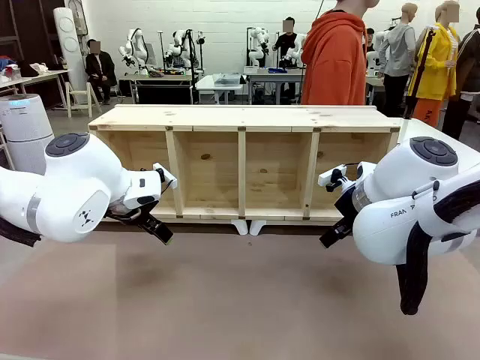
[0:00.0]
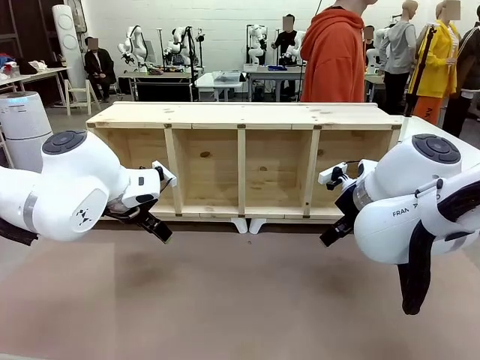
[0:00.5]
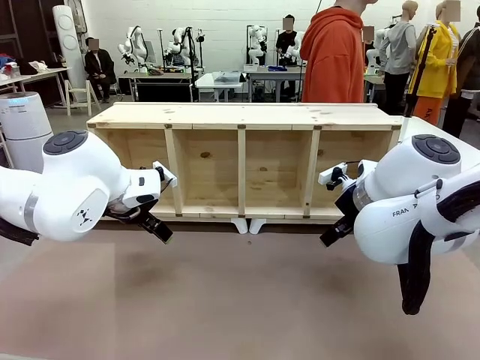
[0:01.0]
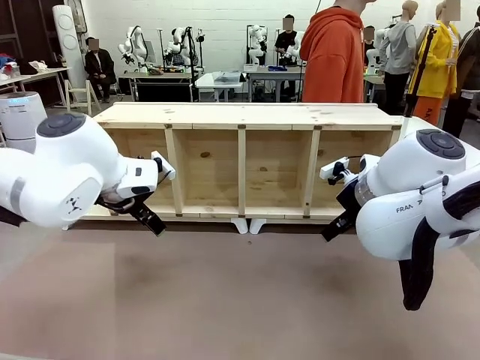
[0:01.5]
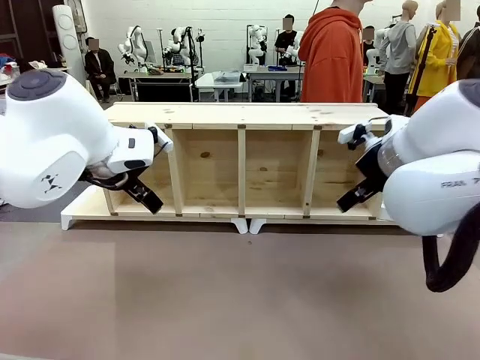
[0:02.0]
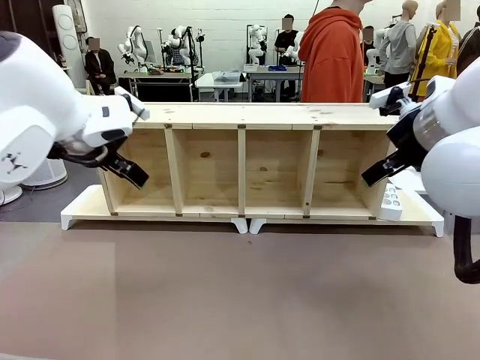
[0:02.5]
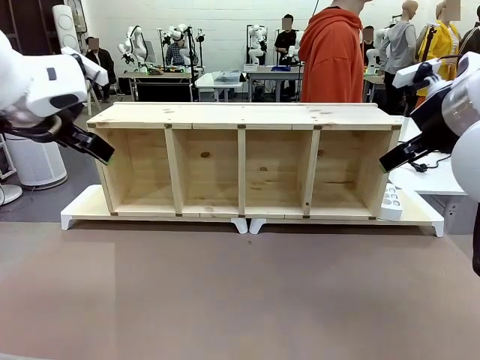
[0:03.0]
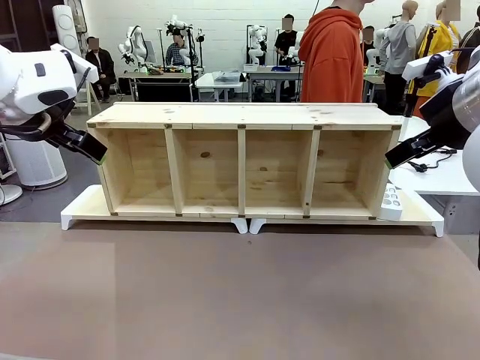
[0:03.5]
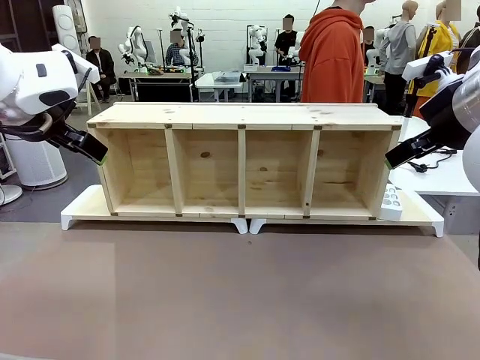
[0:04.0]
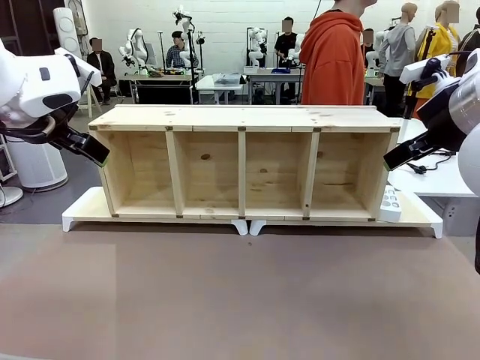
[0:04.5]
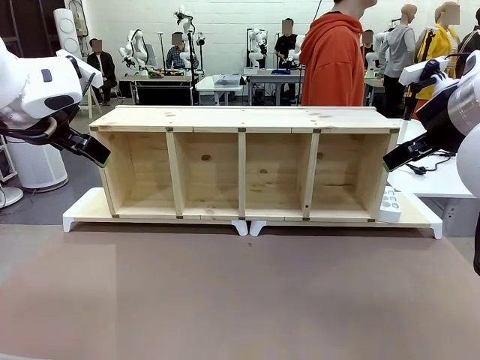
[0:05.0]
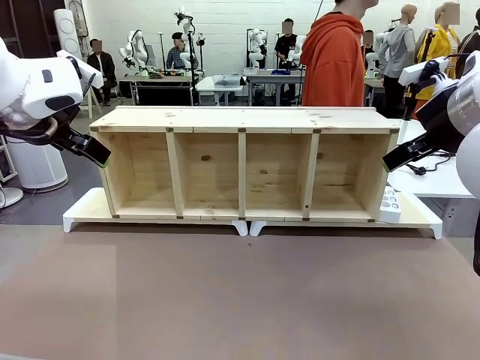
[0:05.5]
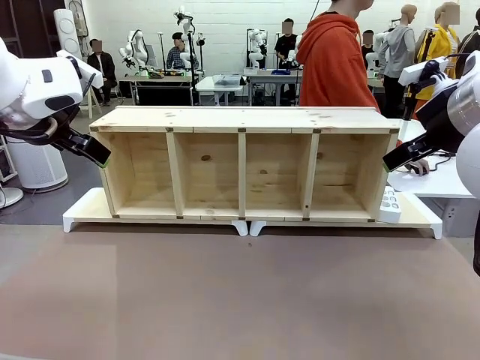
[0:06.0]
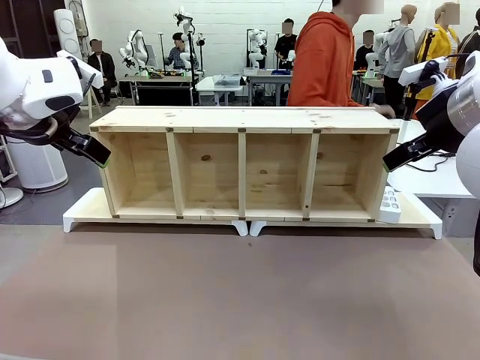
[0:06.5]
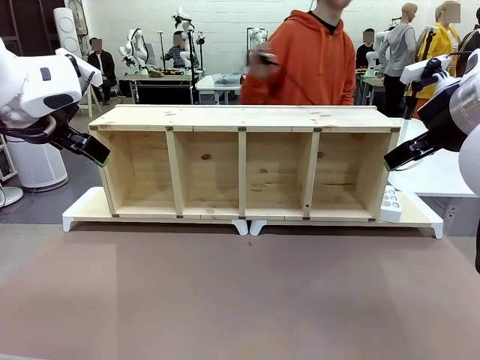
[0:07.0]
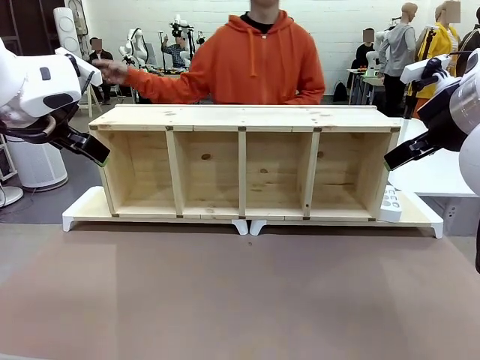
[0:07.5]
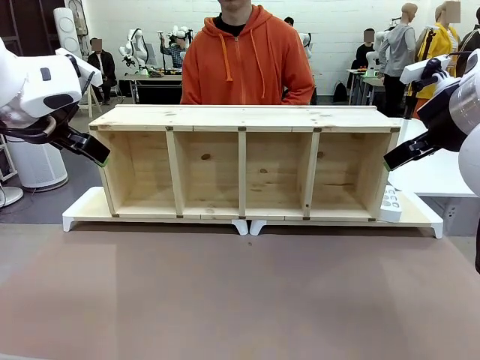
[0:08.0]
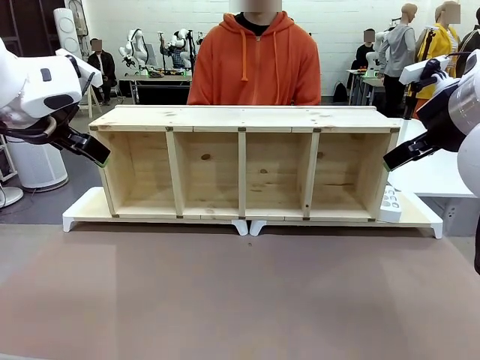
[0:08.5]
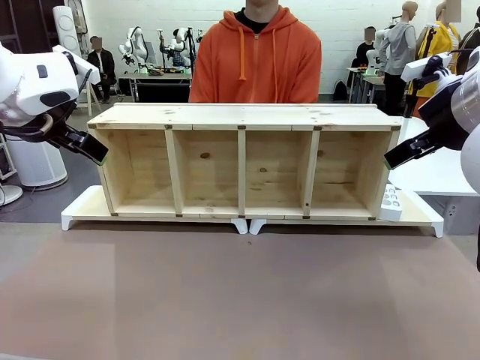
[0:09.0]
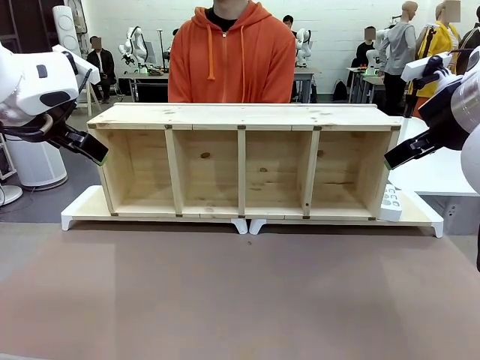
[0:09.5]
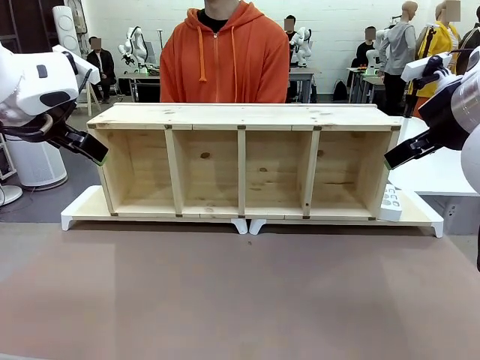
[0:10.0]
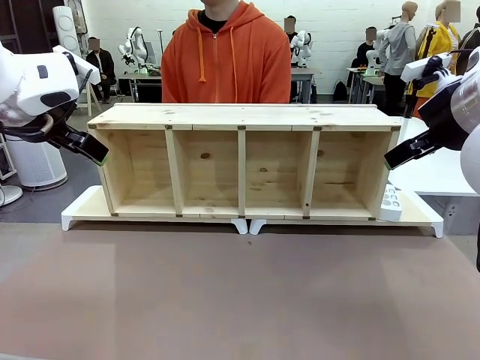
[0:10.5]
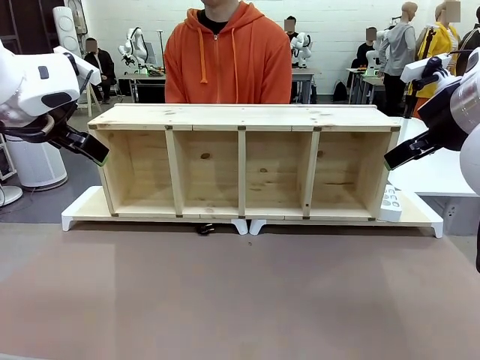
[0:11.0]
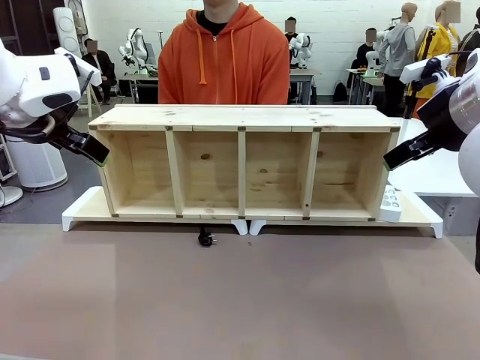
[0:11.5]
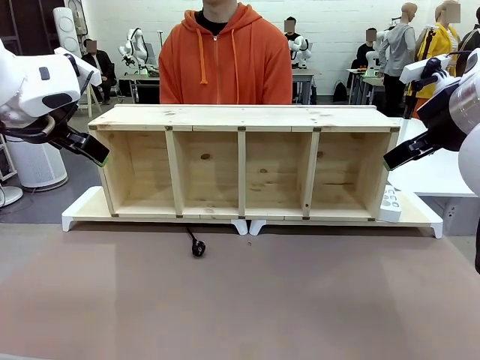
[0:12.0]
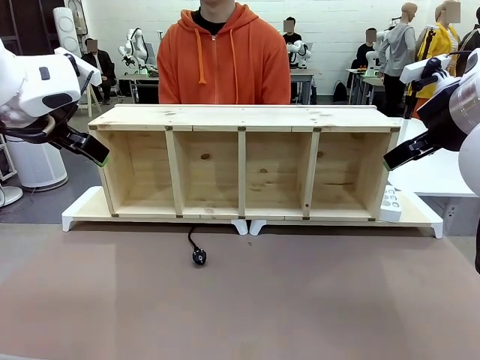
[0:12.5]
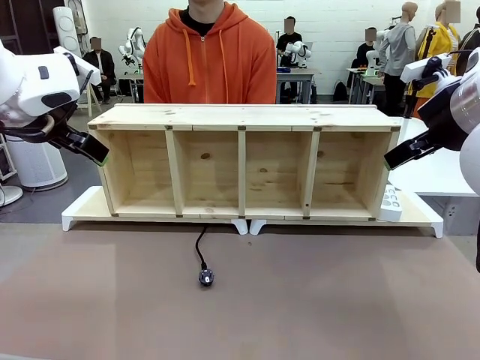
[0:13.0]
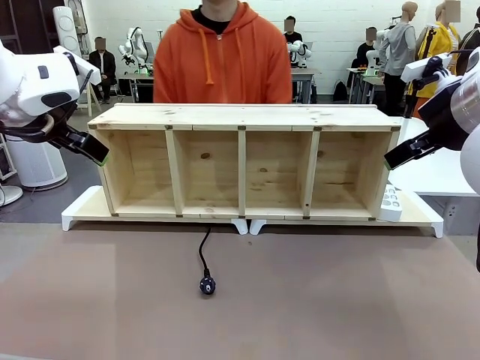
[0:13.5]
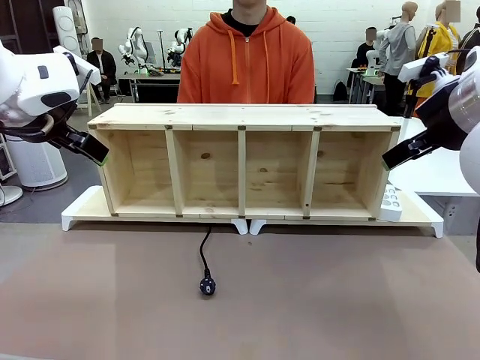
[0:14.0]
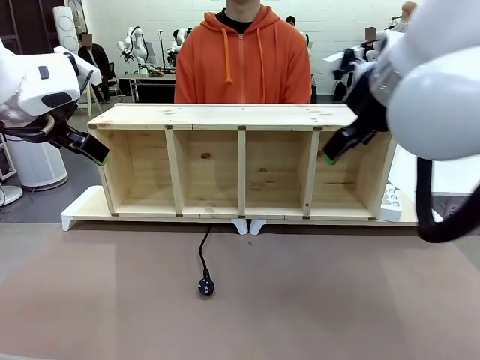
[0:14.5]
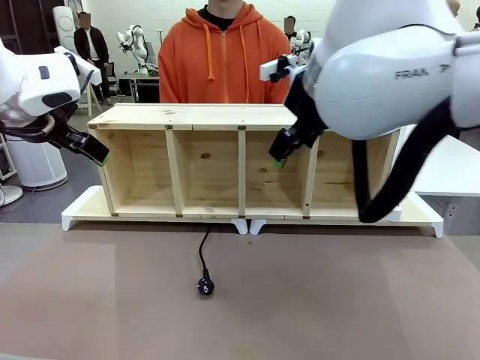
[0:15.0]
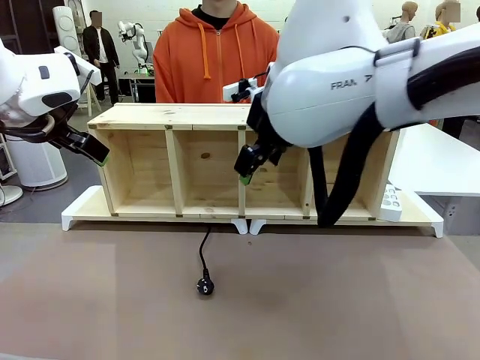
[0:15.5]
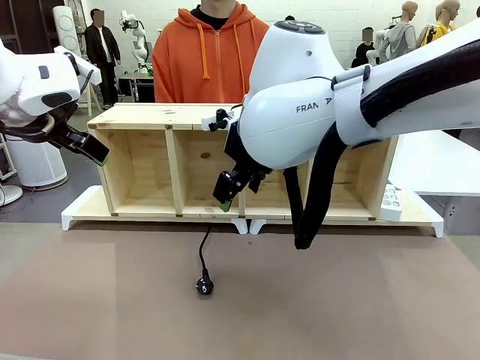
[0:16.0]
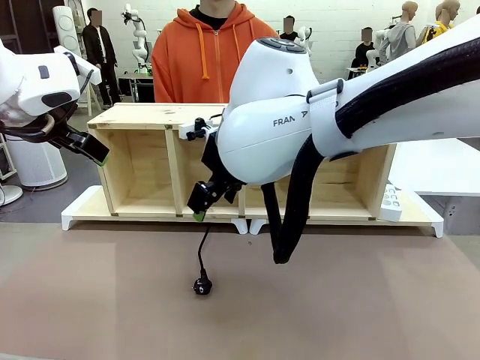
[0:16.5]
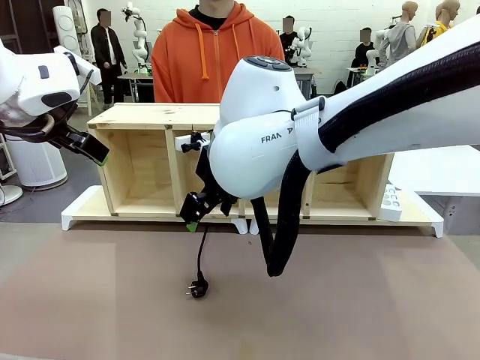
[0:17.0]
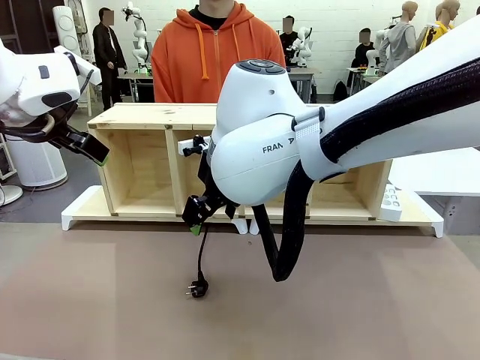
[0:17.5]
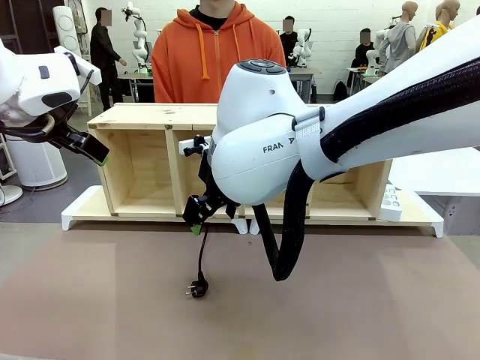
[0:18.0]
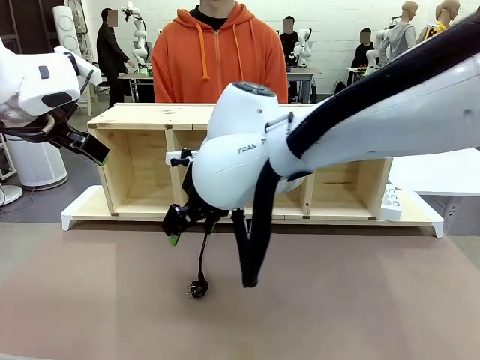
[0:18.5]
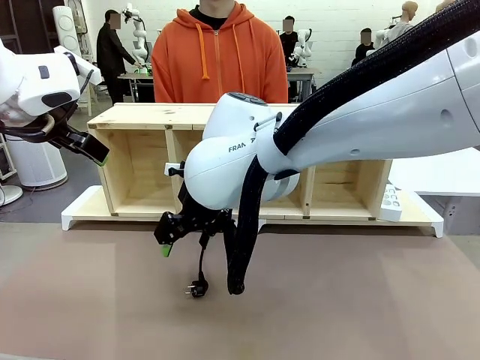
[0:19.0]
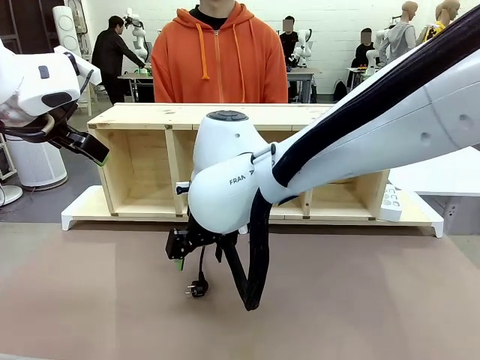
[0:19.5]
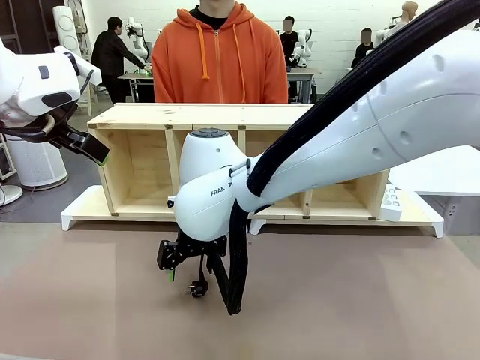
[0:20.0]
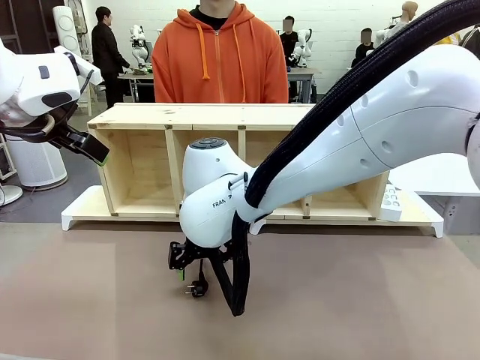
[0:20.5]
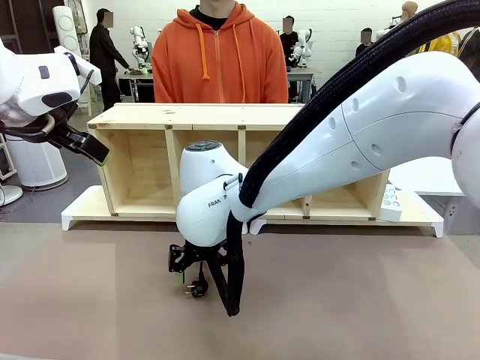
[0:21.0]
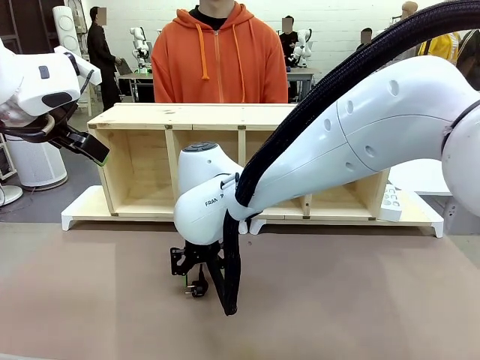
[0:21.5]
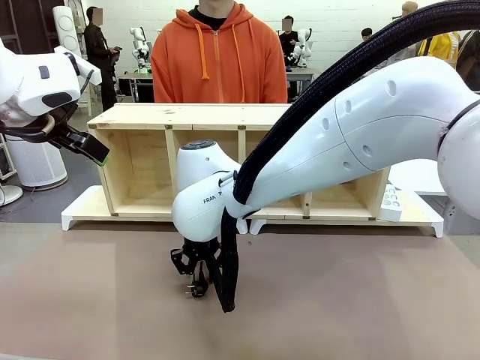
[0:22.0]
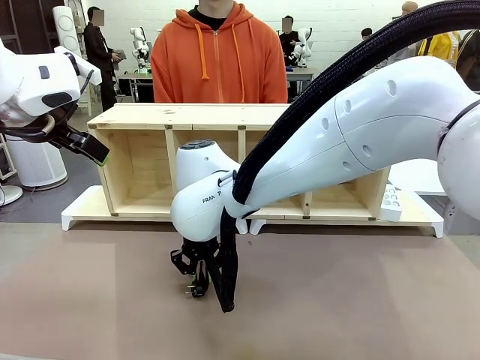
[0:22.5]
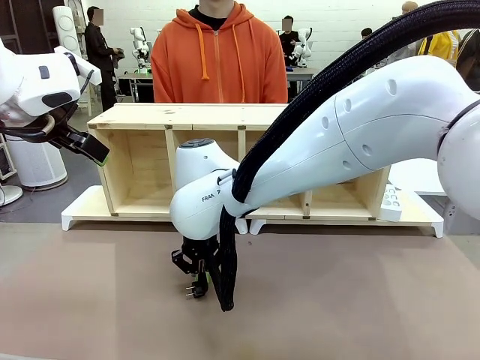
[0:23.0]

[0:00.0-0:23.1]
Task: Perform cable management.
Robot: When the cord part of the Power Cable appears at the lower middle area of the table and stops, grasp the cord part of the Power Cable.
Person: Pass the Power Cable under the Serving Table.
